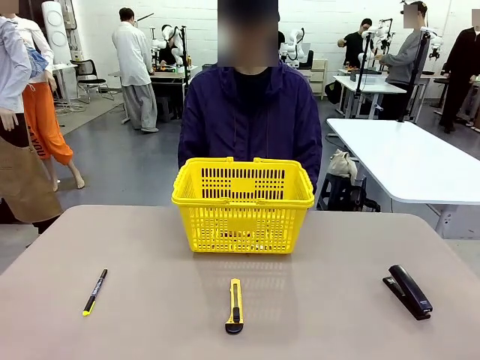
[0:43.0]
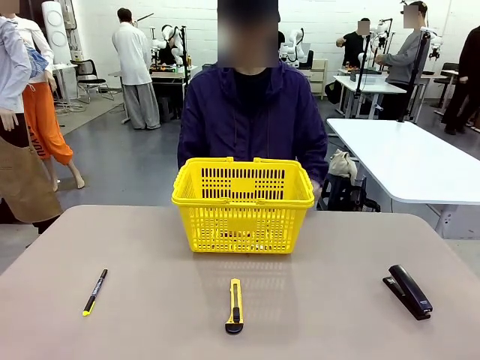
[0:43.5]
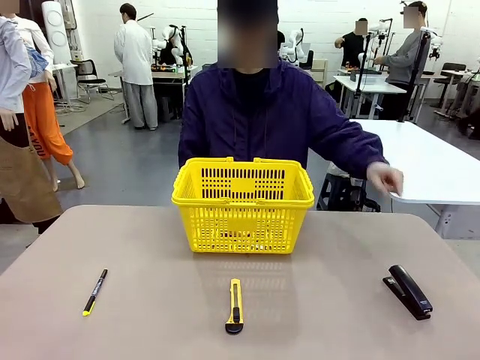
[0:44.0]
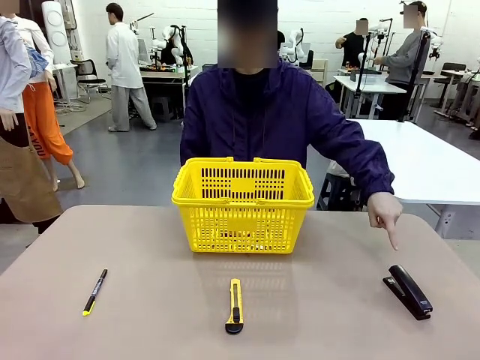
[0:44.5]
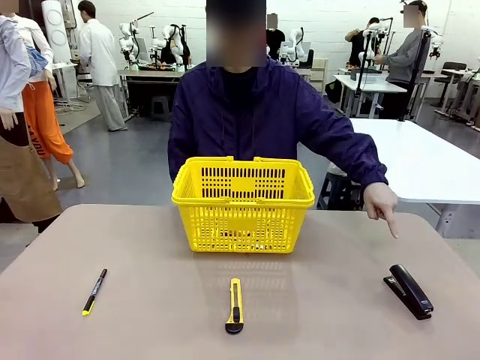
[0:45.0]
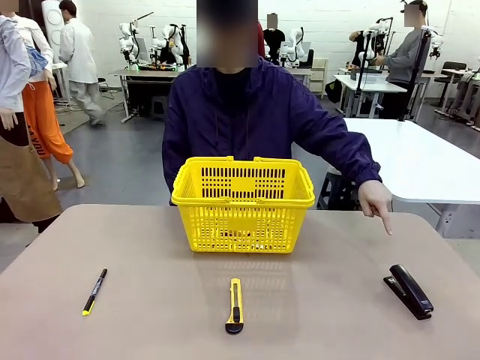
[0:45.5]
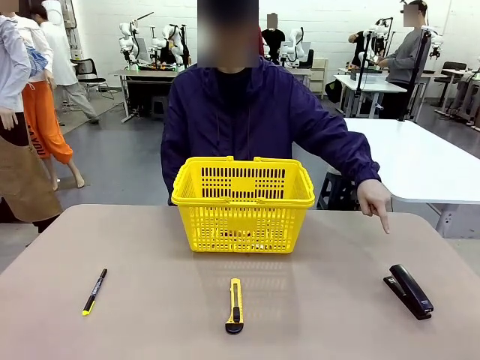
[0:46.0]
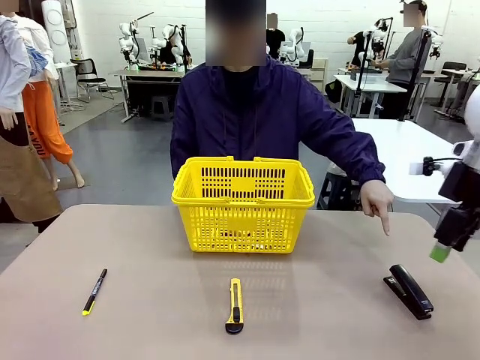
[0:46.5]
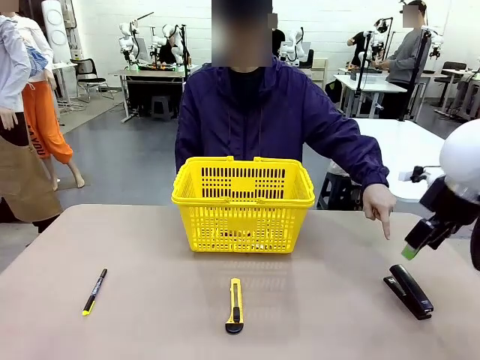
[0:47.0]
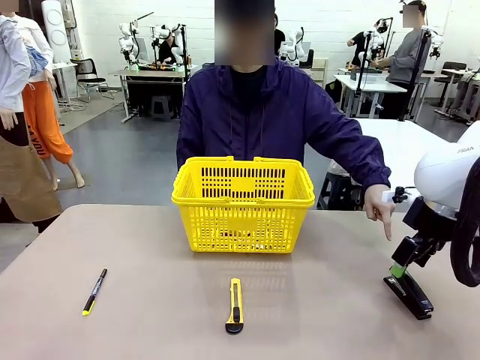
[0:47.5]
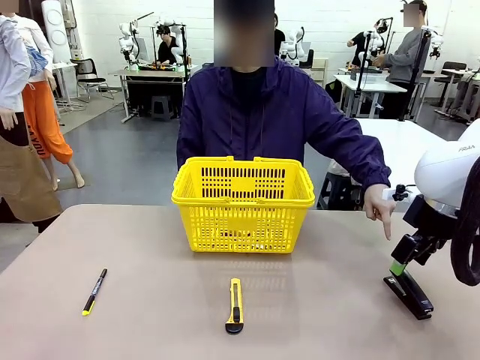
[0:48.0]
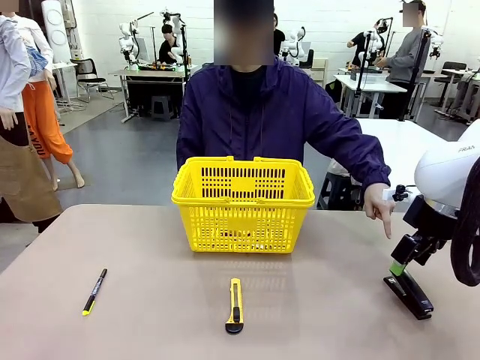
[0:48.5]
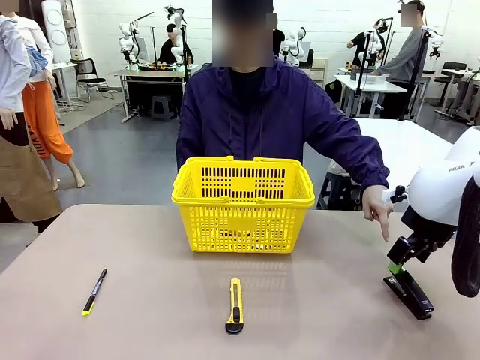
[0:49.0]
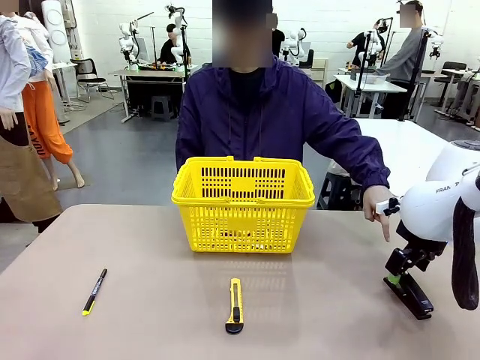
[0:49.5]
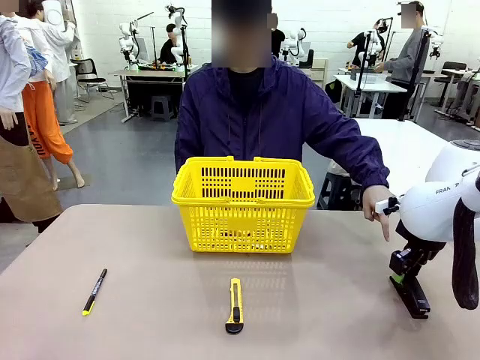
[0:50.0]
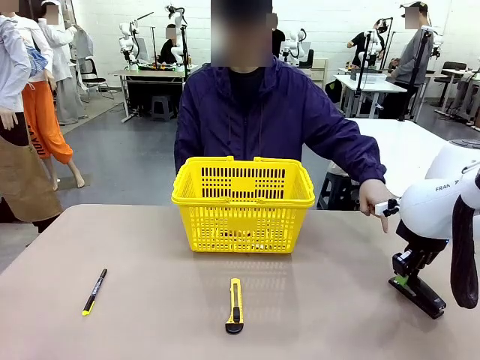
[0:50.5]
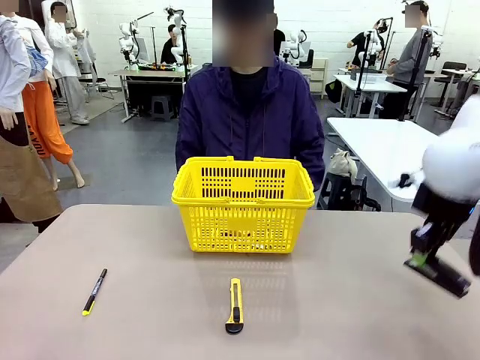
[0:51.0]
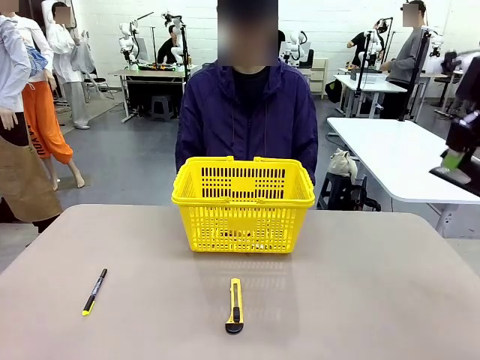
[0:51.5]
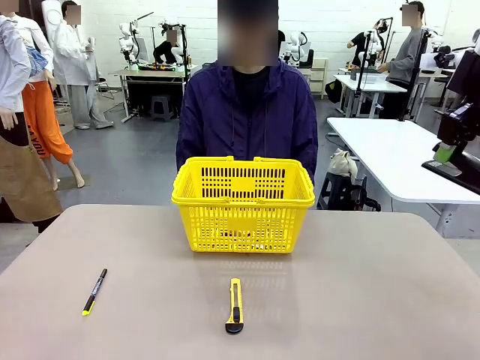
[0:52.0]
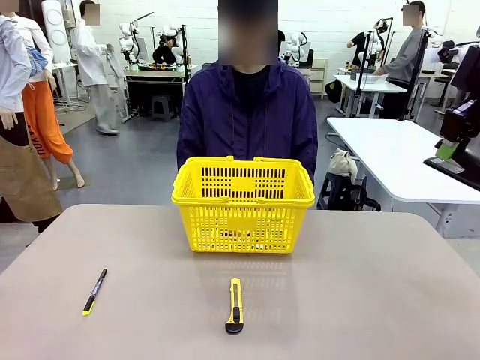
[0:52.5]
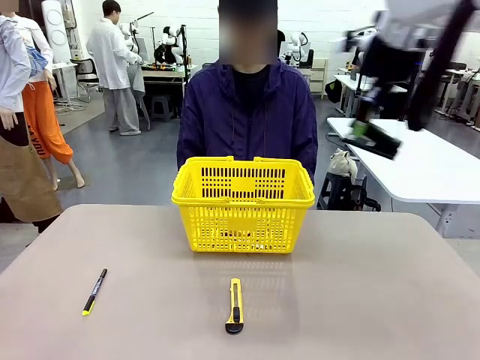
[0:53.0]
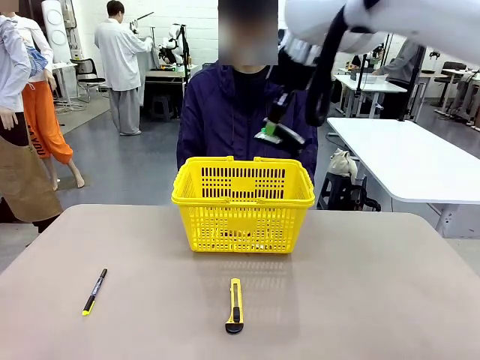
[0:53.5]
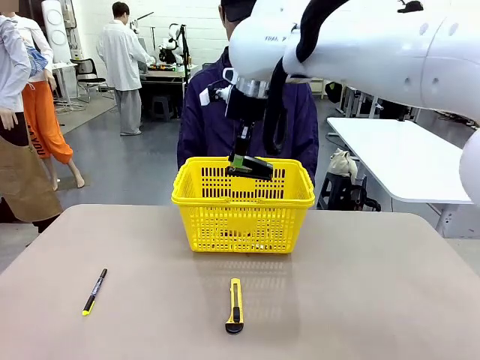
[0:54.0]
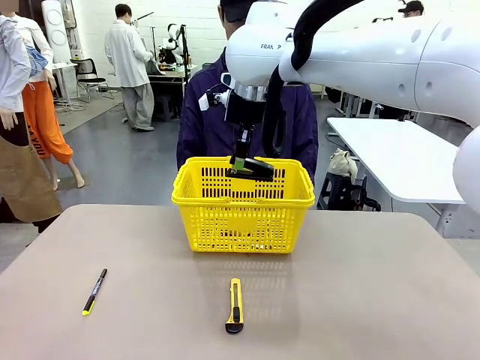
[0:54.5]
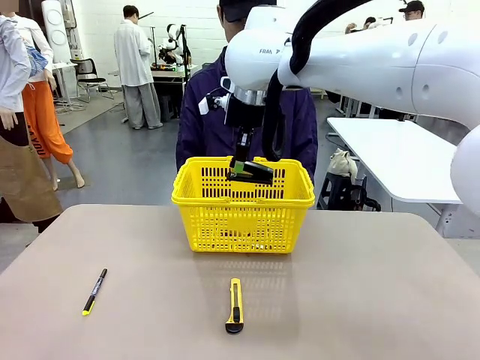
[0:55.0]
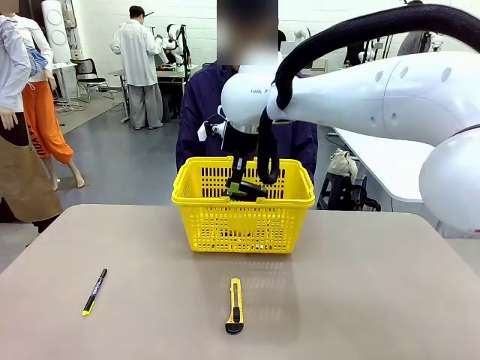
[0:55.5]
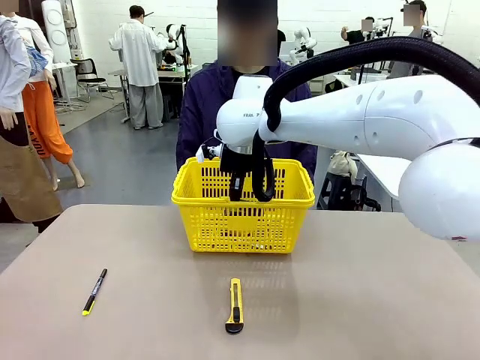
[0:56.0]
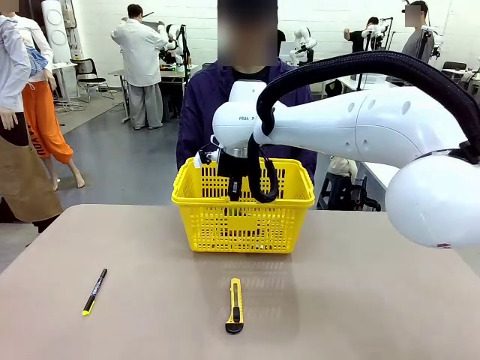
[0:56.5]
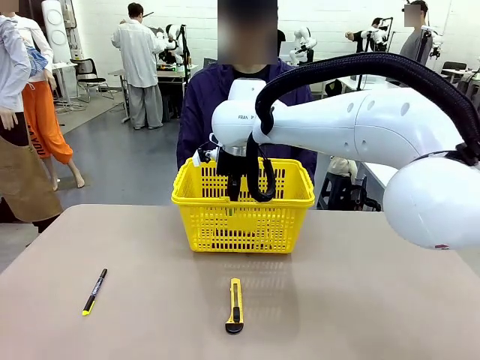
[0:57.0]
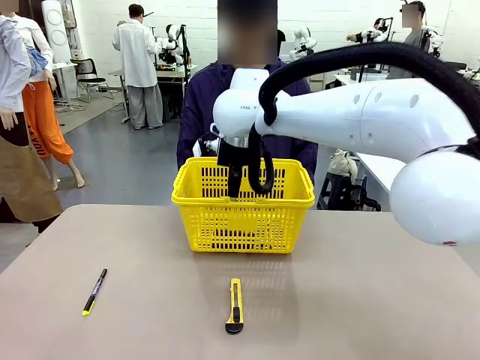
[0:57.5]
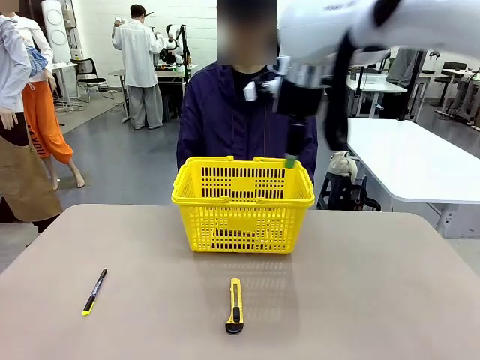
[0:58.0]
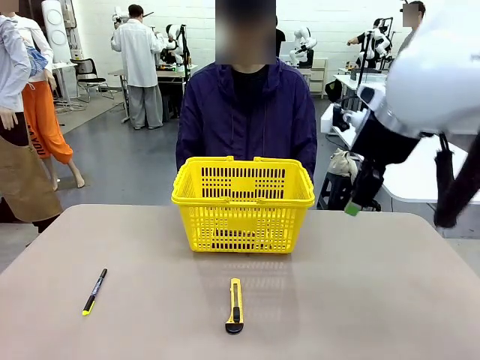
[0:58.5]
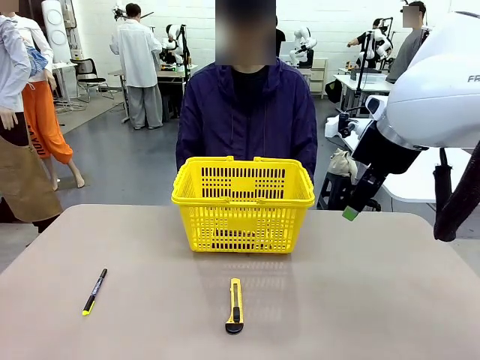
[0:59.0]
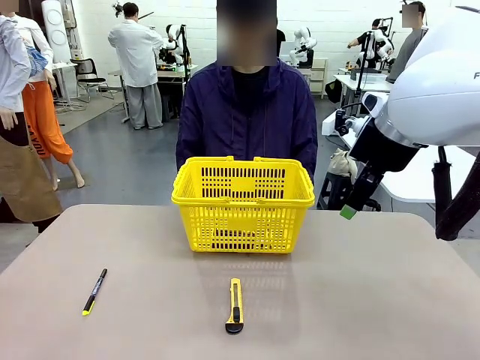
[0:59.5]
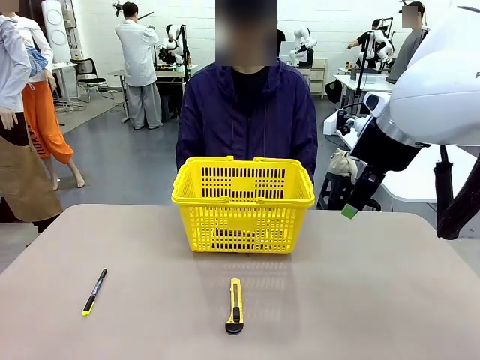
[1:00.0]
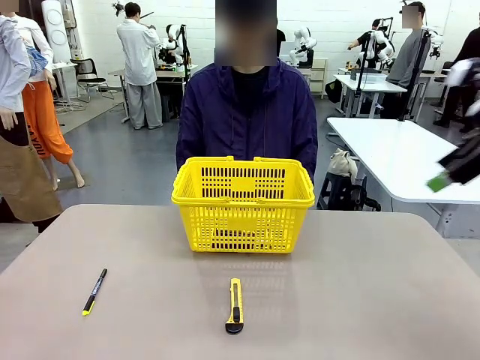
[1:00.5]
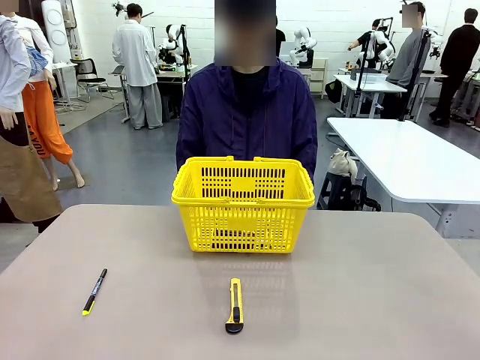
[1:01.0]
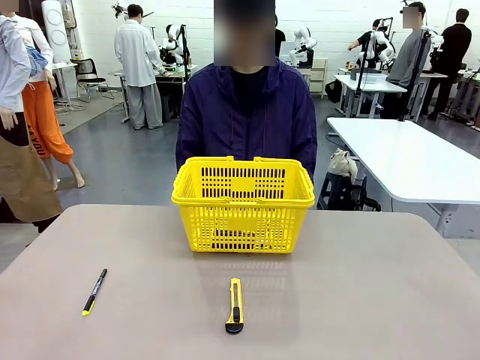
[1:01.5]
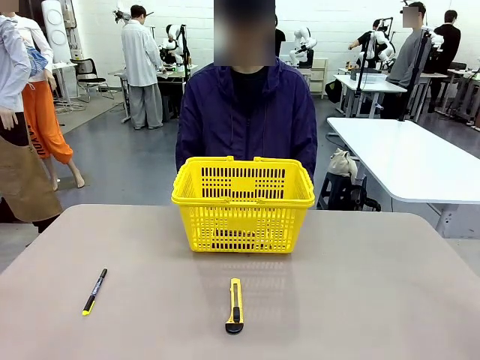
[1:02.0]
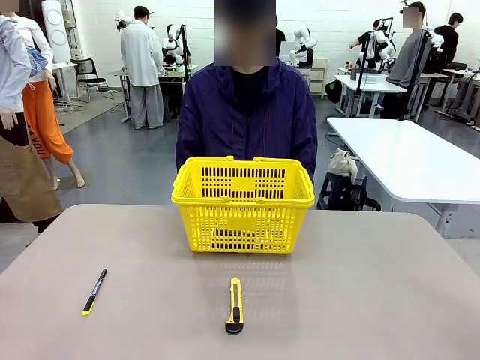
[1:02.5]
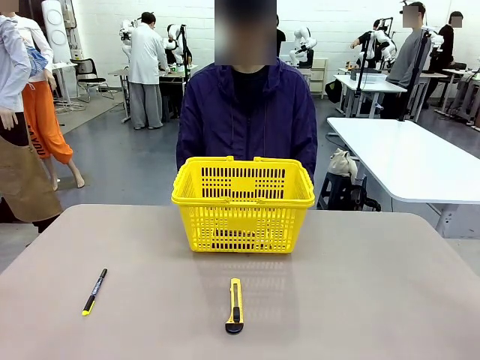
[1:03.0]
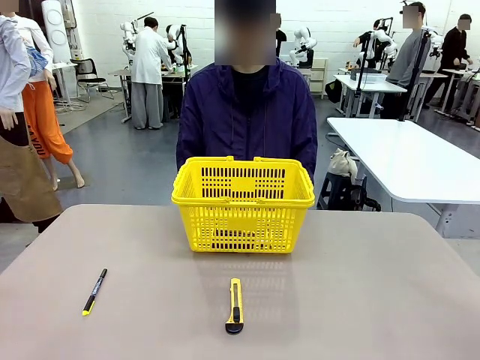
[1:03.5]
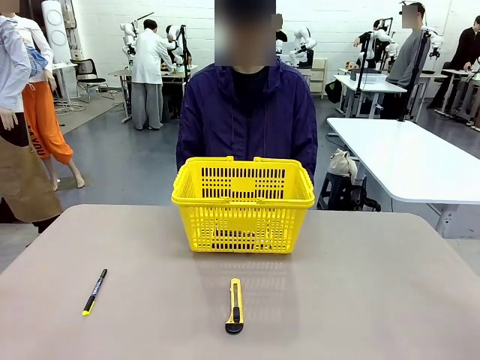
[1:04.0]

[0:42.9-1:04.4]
Task: Place the items the person wants into the basket.
Robot: Pick up the item the person points to and place it in the Market Basket.

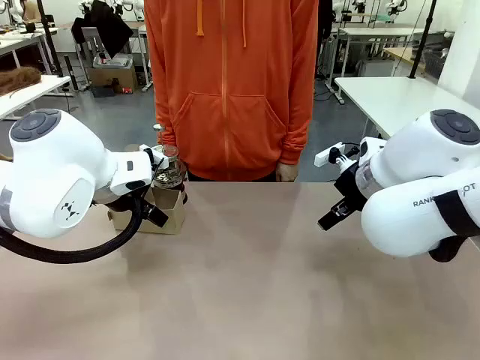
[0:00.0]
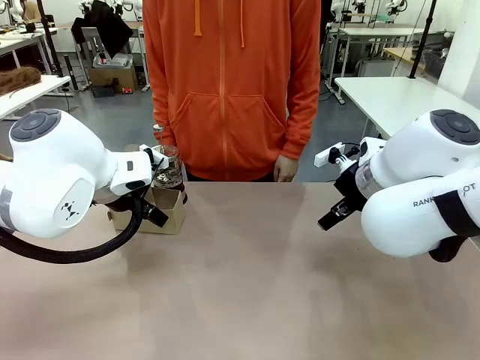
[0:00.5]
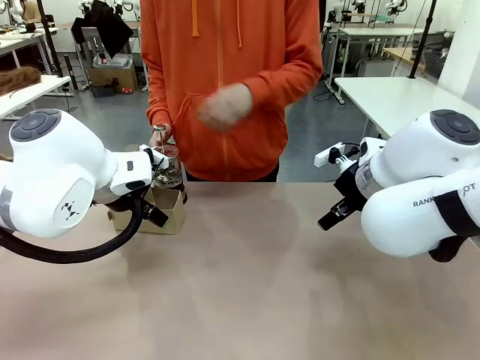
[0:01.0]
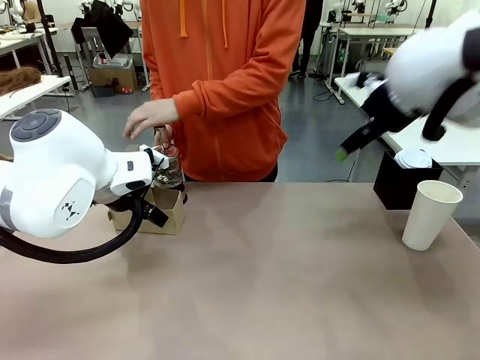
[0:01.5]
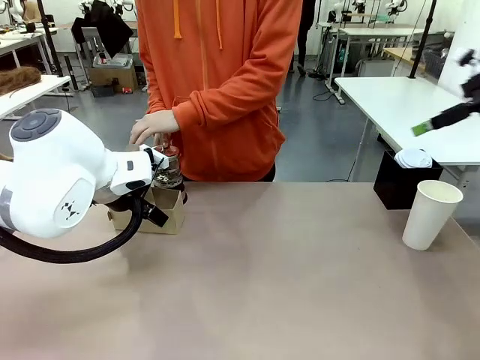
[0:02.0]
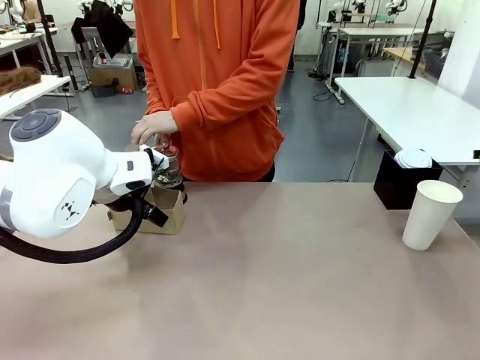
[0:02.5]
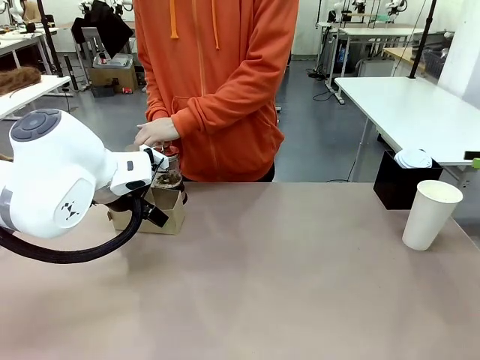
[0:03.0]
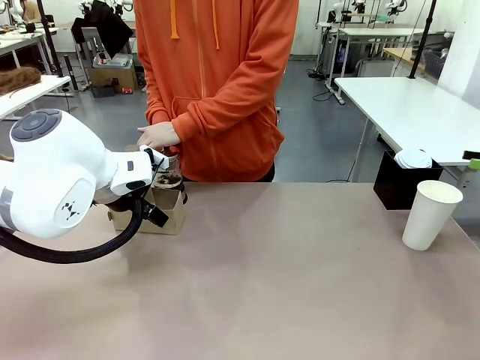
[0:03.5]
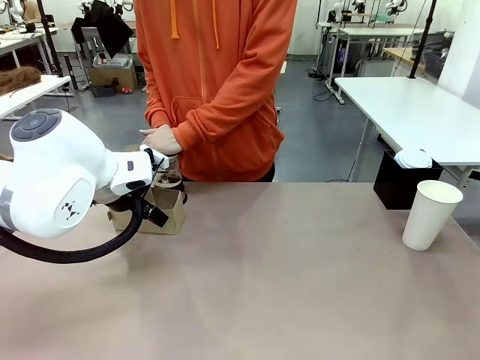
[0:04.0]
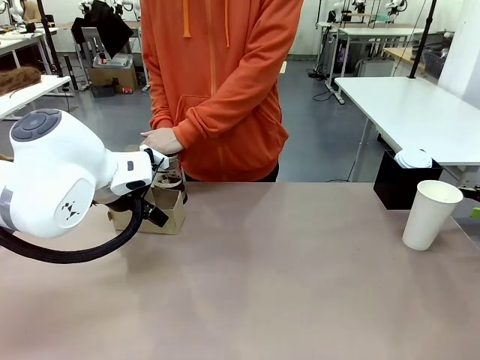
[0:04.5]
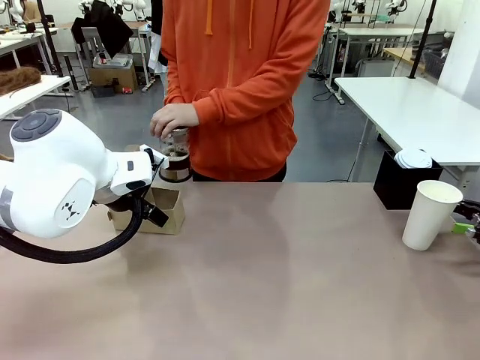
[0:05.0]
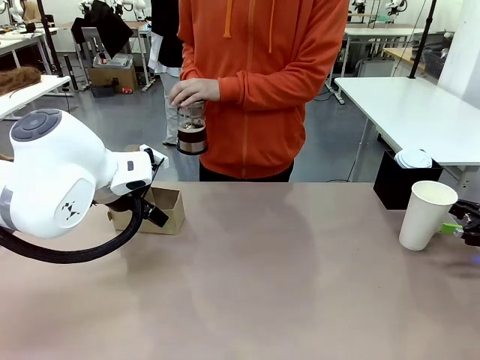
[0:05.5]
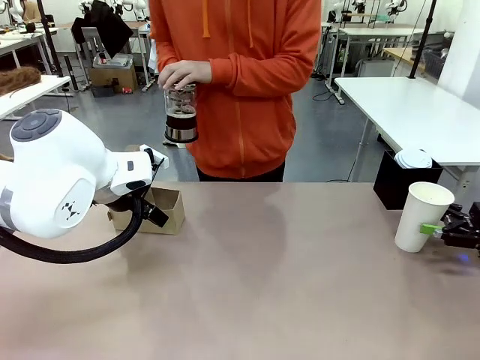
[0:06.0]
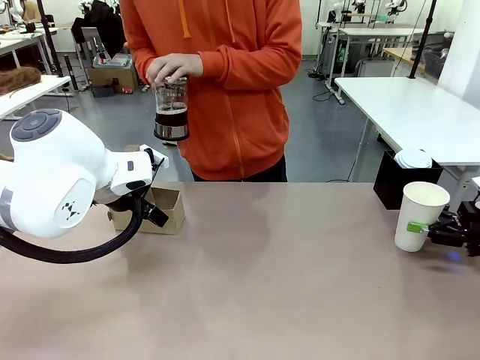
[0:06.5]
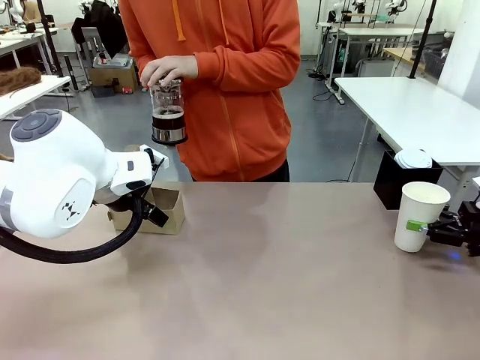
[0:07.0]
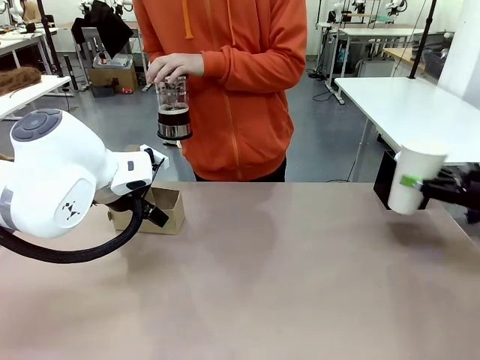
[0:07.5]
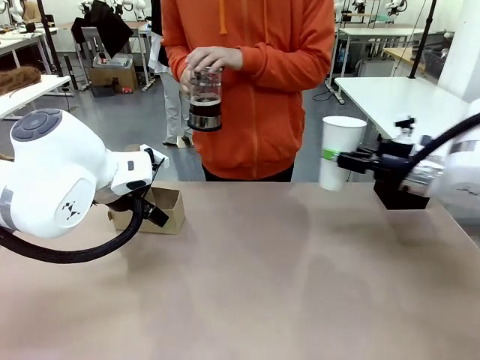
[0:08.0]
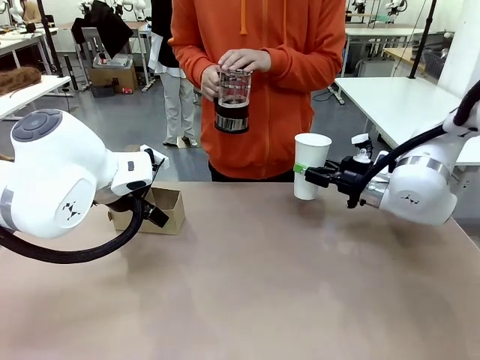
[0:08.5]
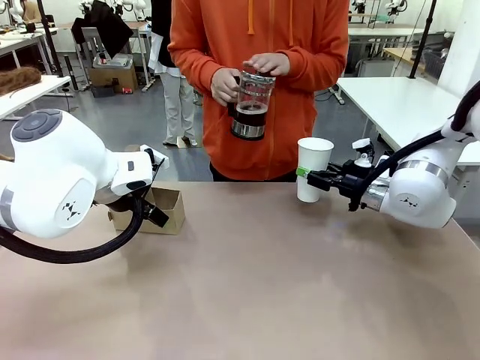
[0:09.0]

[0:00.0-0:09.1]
Task: Pour a drink into a cup and package it in a carrier.
Robot: Pick up the 600 ml Paper Cup and place it in the middle top area of the table.
Person: Press and pick up the Filter Brewing.
